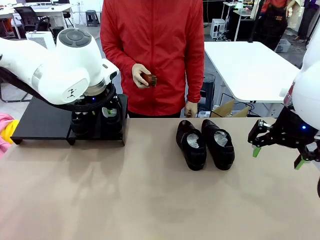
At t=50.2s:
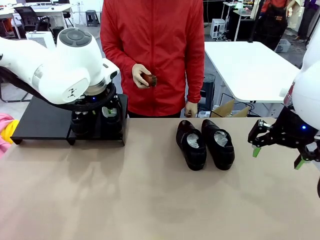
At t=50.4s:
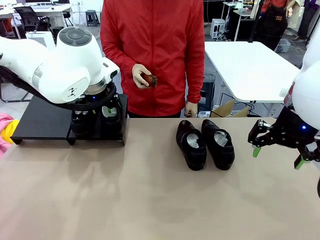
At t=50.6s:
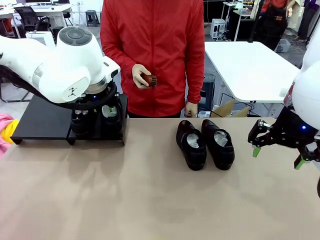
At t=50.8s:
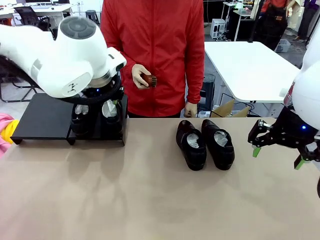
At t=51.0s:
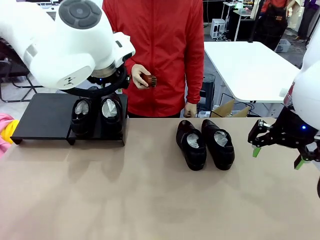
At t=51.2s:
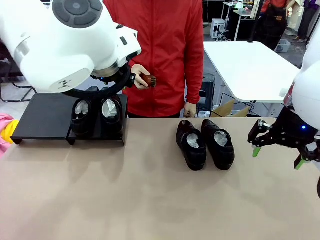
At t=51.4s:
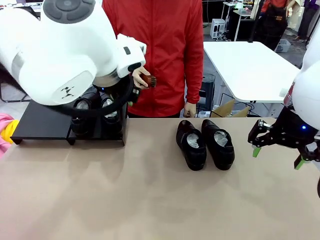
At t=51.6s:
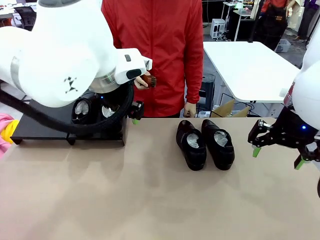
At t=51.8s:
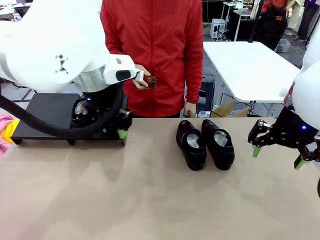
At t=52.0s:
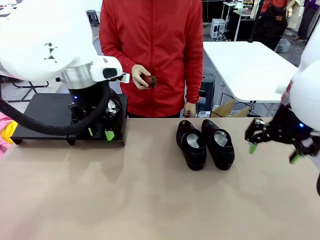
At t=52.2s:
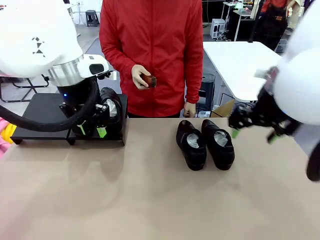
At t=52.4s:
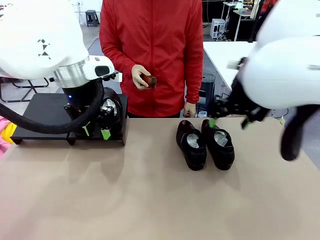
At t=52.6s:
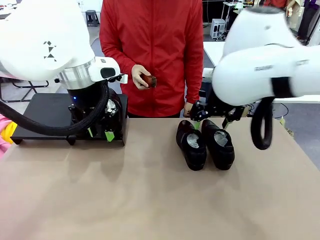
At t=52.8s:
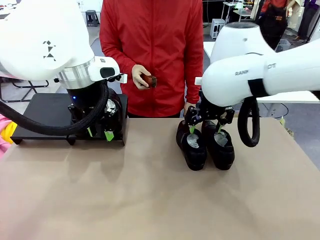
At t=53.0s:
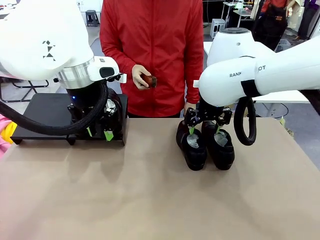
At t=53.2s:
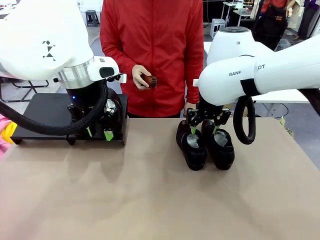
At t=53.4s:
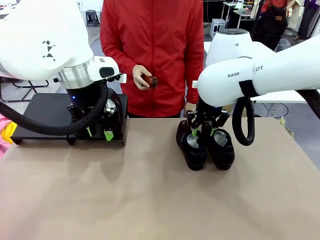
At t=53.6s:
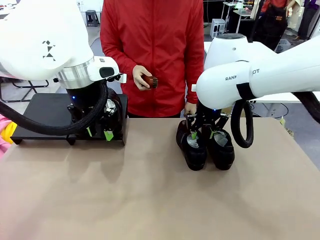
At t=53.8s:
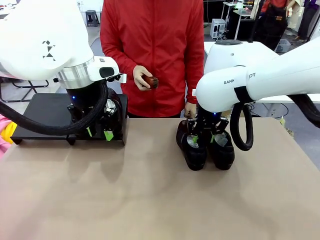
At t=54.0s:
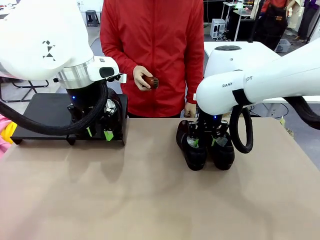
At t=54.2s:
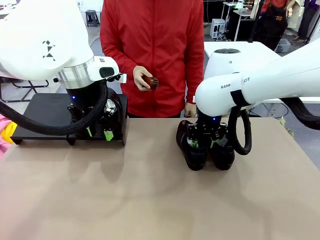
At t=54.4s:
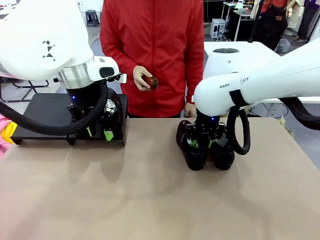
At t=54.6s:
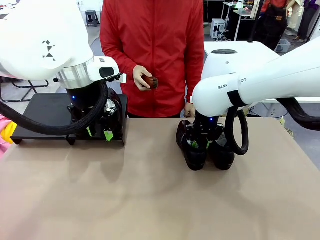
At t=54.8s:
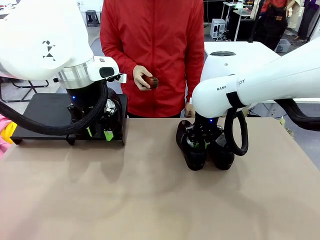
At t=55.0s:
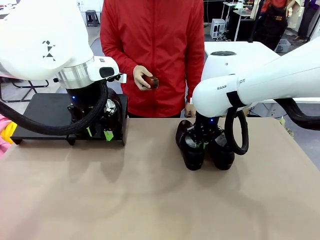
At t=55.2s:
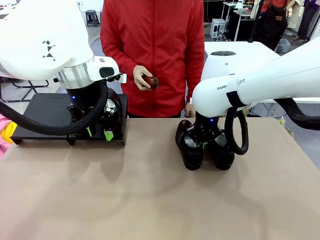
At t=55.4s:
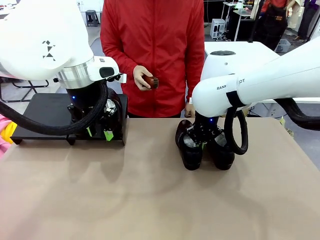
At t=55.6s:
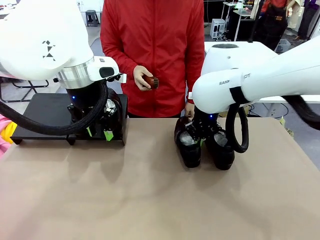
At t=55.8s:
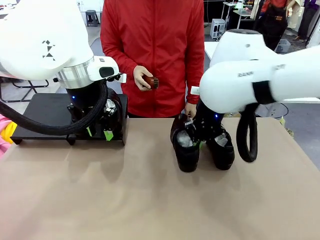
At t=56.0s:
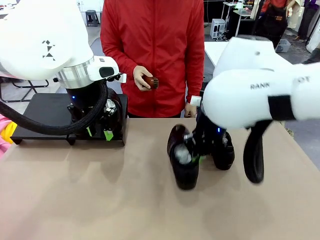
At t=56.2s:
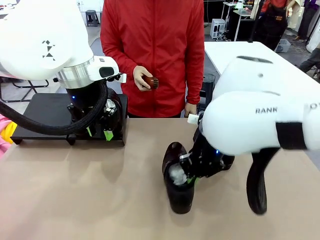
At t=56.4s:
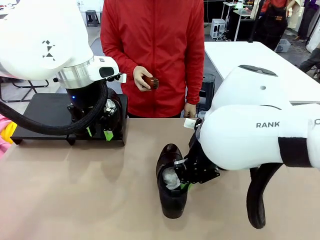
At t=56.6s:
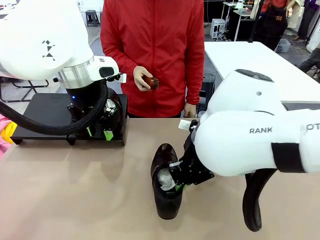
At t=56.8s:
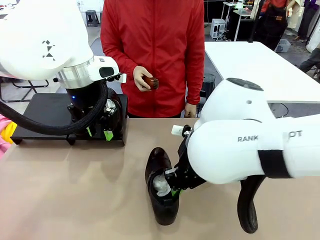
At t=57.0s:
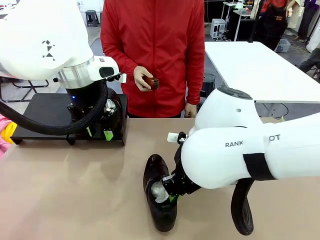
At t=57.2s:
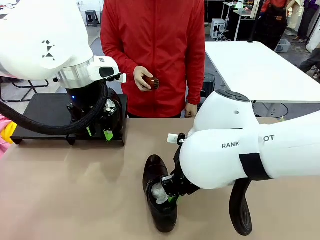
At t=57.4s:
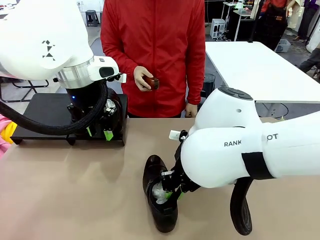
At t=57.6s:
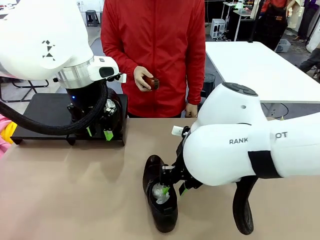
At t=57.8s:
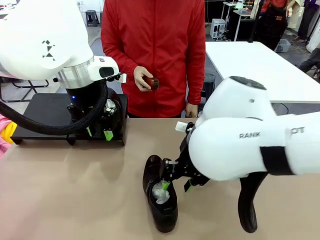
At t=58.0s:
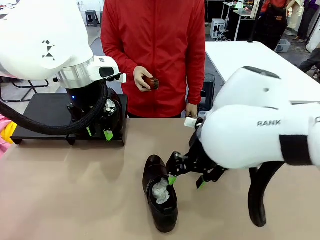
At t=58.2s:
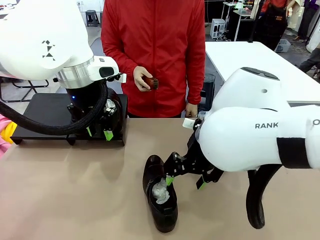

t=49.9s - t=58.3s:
Task: Organize the shoes by placing them on the stand.
Robot: Pick up one Shoe and place it in the middle of the table.

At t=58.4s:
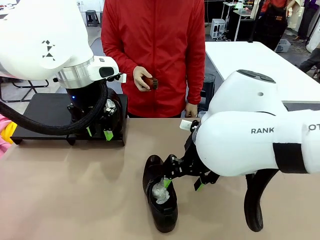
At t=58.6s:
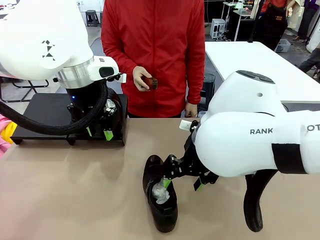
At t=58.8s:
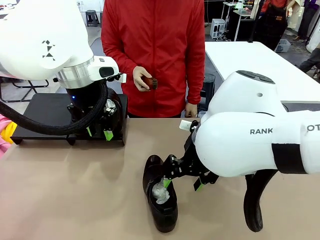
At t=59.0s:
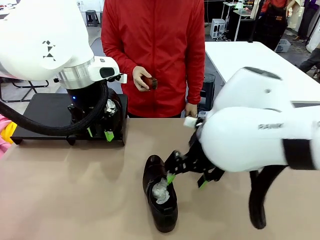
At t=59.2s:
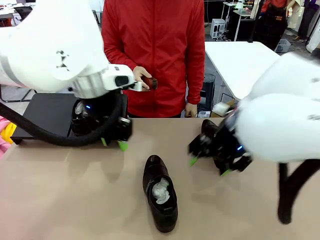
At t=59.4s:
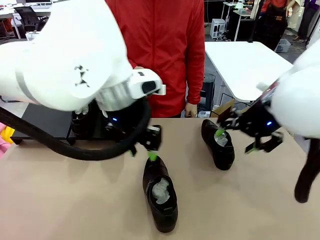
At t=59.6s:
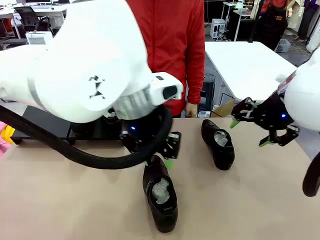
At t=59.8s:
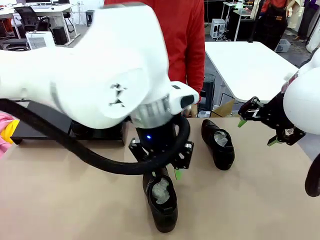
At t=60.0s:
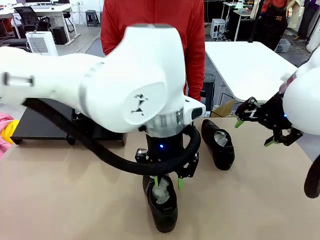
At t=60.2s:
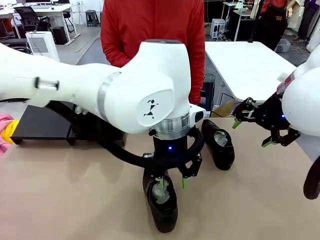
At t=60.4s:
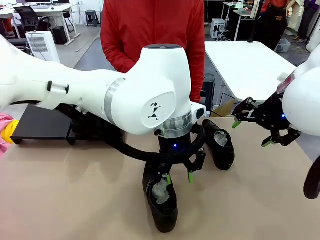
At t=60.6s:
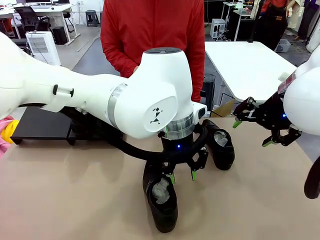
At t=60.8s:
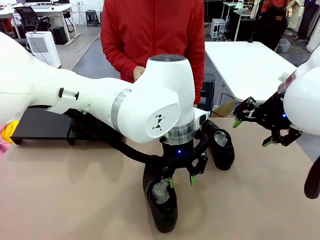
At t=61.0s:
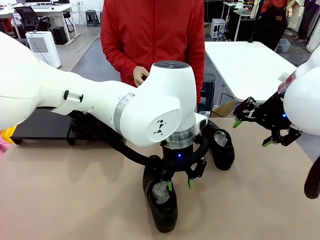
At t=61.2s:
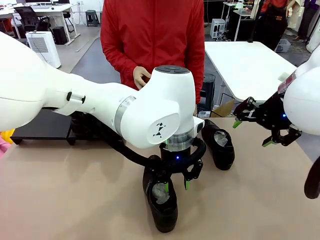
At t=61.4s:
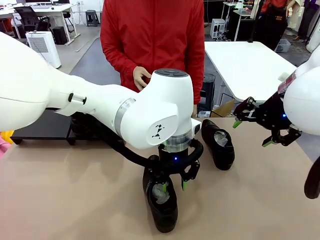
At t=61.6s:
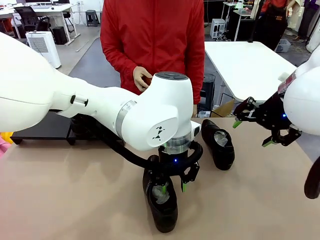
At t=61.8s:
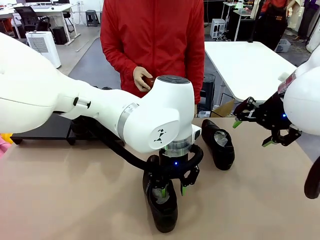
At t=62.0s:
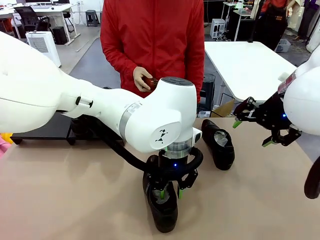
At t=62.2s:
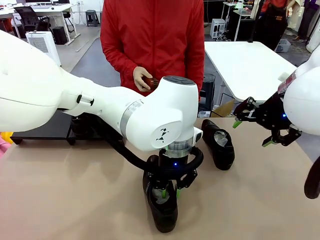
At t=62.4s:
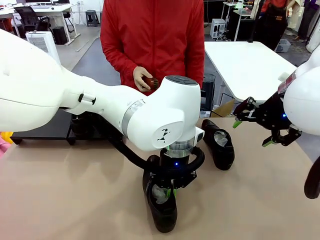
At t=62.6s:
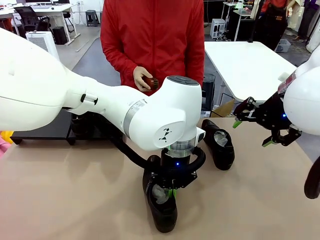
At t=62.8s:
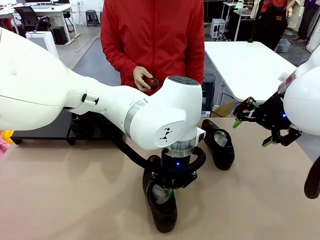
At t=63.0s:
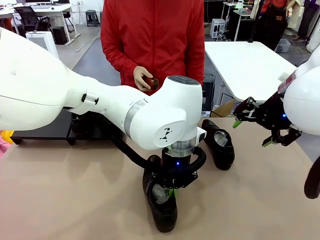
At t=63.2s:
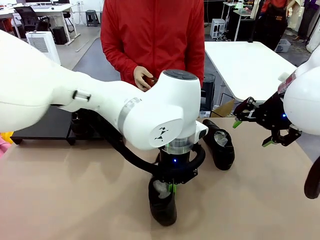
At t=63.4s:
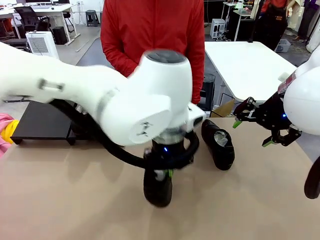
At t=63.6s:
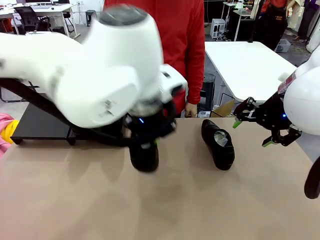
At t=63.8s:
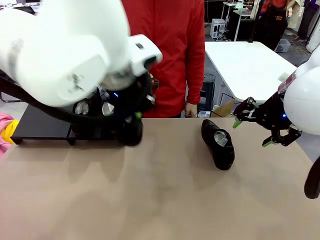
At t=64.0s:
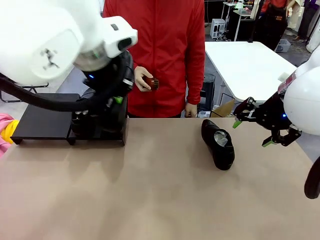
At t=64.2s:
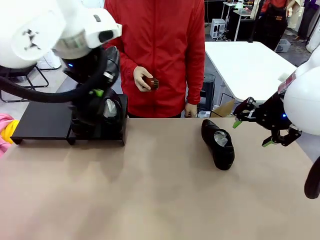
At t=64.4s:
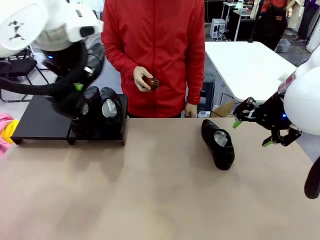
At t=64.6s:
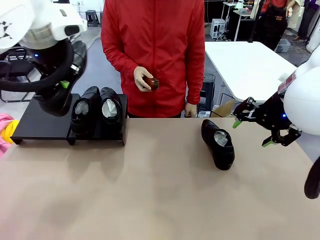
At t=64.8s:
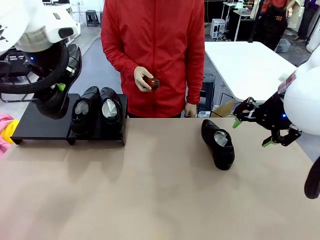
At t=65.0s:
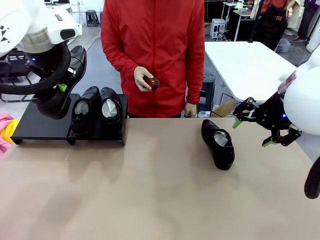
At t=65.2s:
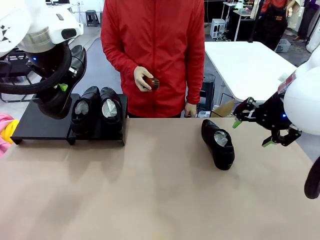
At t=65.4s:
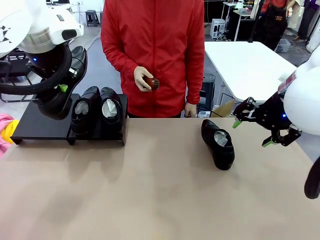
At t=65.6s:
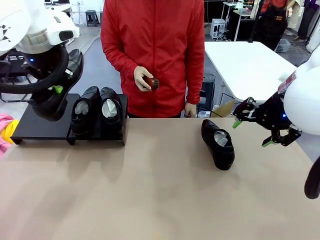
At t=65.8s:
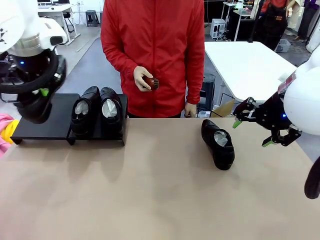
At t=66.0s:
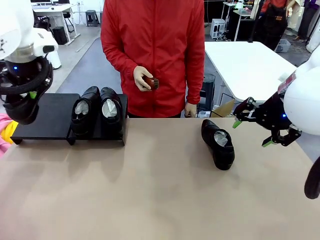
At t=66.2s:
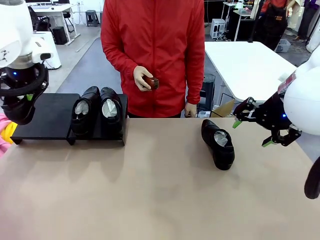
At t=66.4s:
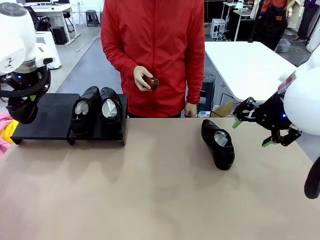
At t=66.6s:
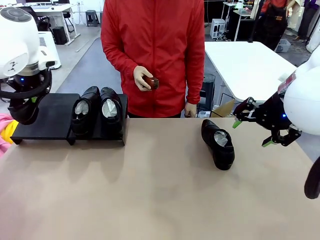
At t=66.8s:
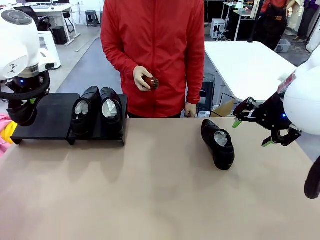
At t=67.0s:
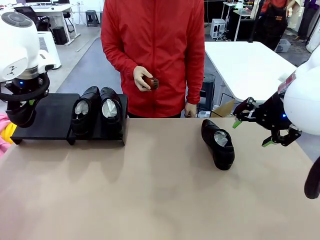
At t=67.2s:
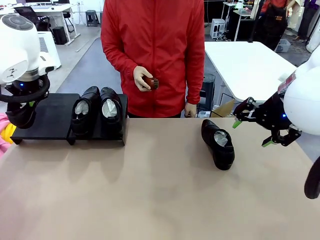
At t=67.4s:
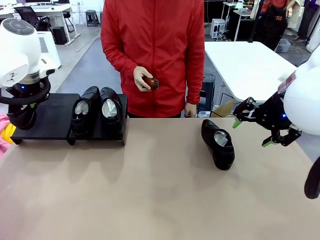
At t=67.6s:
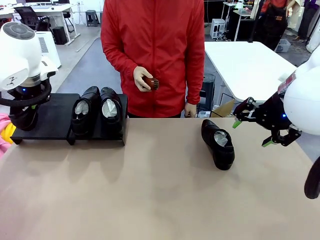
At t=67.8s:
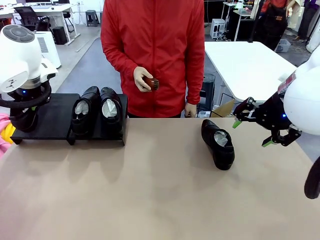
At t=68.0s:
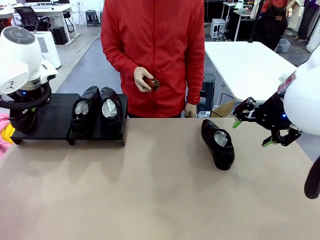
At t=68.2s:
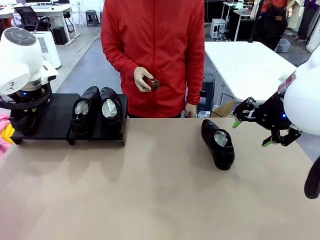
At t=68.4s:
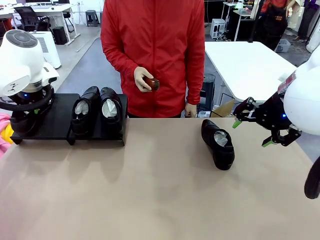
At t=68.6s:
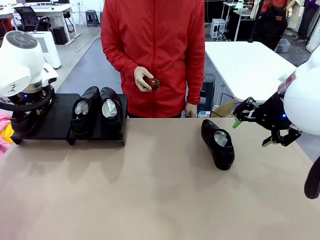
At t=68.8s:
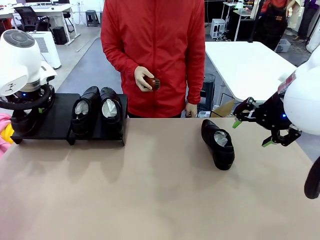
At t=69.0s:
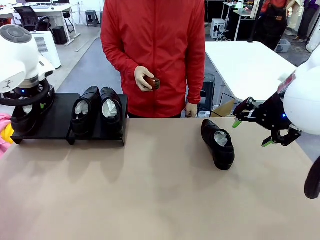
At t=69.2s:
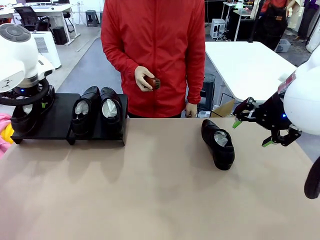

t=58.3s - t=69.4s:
Robot: Place the Shoe from the middle of the table onto the Shoes Stand.
